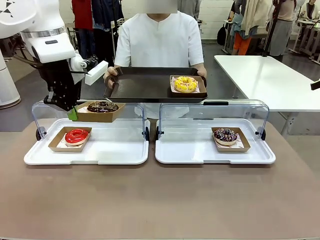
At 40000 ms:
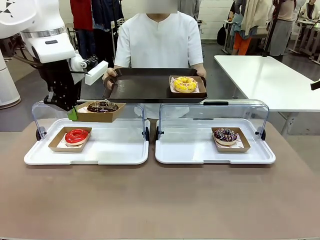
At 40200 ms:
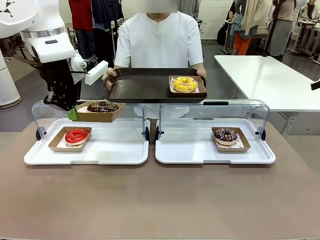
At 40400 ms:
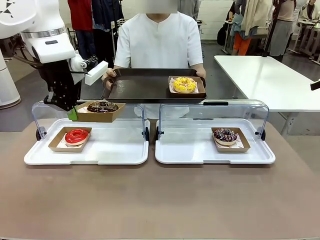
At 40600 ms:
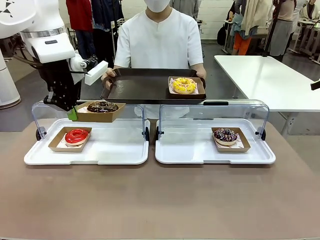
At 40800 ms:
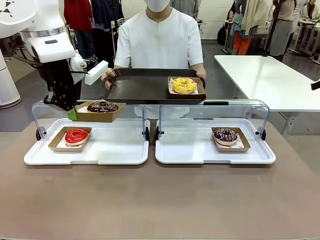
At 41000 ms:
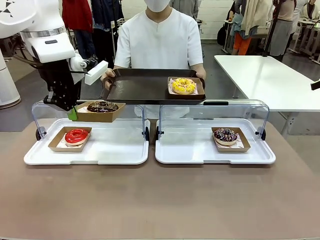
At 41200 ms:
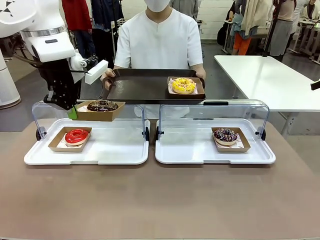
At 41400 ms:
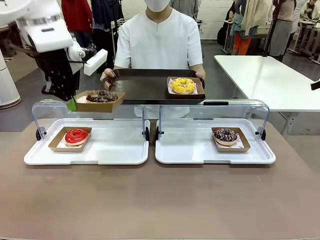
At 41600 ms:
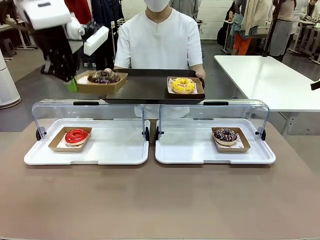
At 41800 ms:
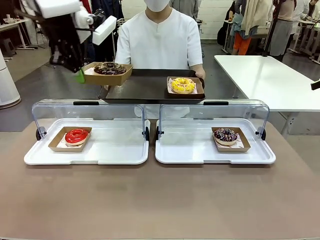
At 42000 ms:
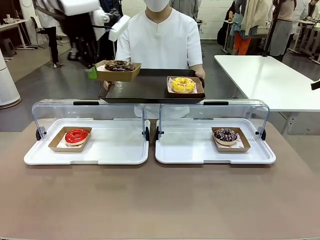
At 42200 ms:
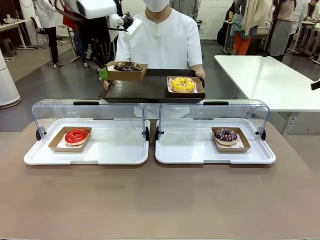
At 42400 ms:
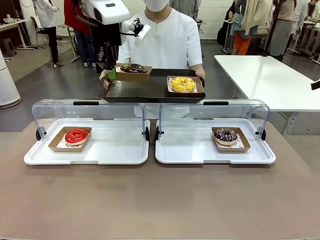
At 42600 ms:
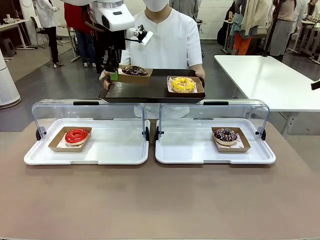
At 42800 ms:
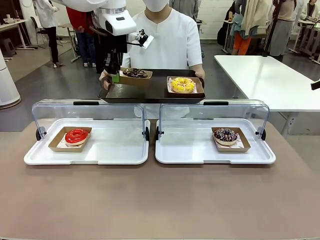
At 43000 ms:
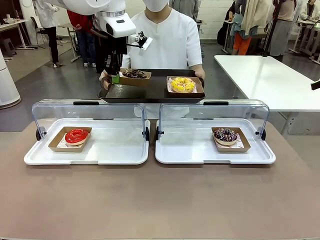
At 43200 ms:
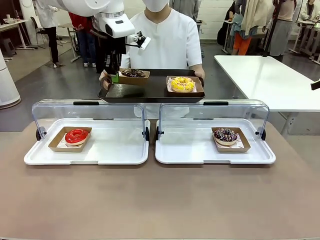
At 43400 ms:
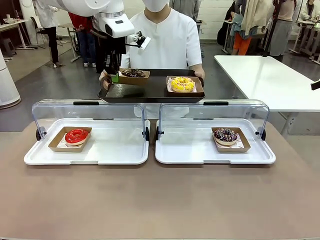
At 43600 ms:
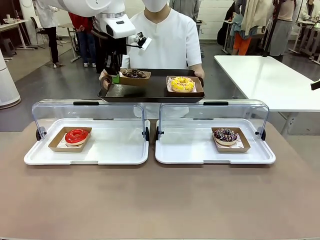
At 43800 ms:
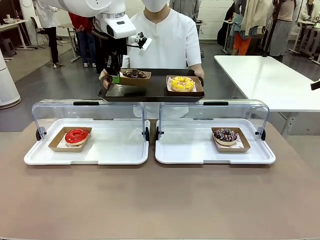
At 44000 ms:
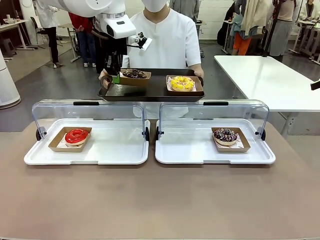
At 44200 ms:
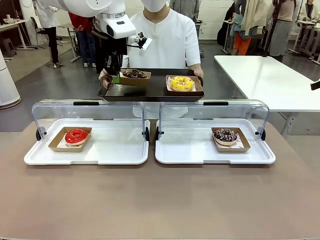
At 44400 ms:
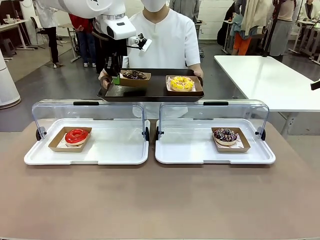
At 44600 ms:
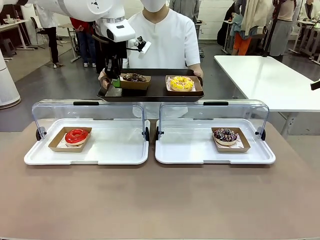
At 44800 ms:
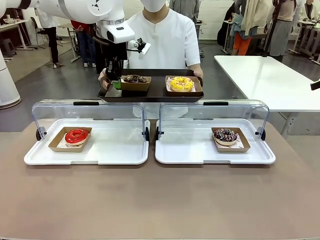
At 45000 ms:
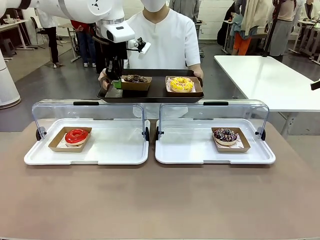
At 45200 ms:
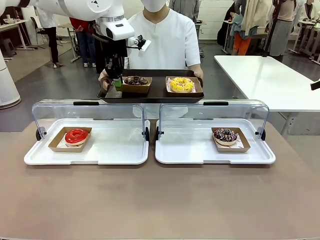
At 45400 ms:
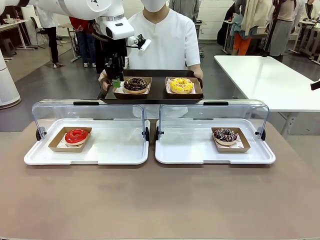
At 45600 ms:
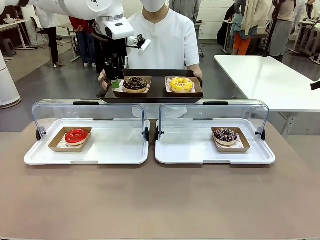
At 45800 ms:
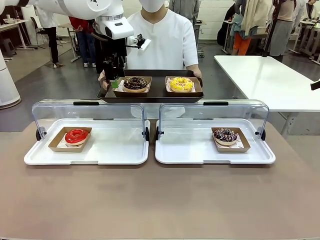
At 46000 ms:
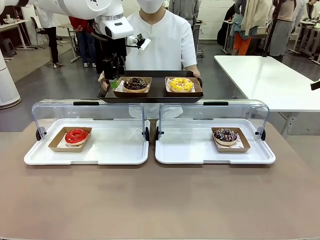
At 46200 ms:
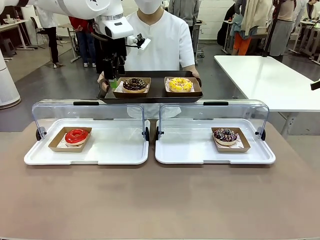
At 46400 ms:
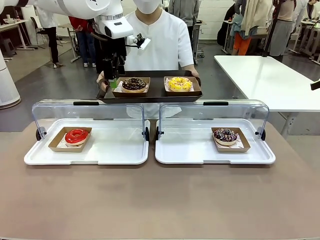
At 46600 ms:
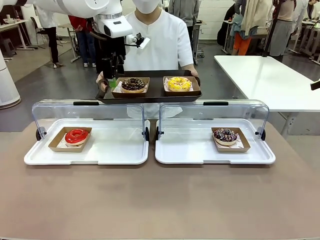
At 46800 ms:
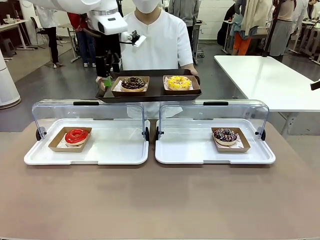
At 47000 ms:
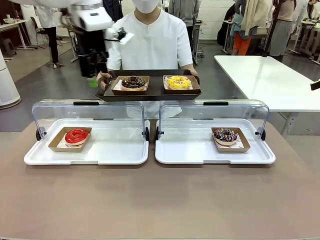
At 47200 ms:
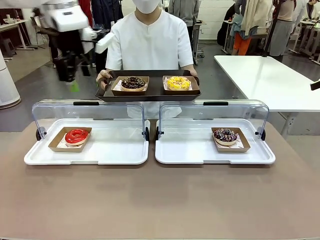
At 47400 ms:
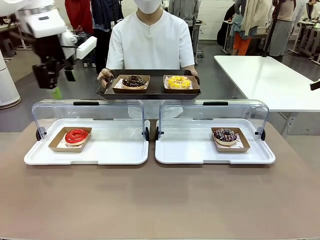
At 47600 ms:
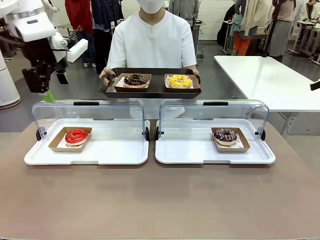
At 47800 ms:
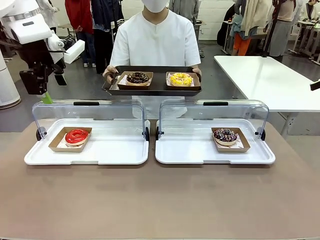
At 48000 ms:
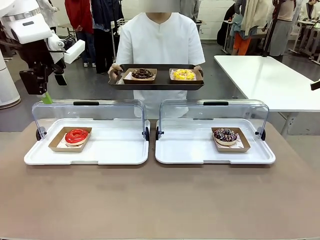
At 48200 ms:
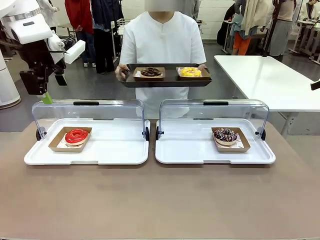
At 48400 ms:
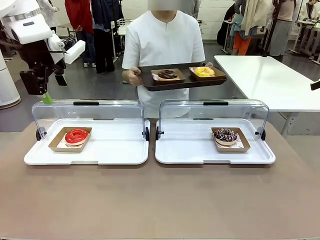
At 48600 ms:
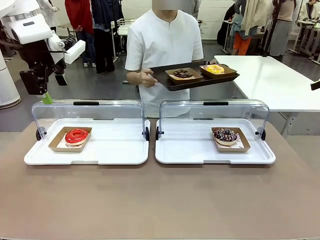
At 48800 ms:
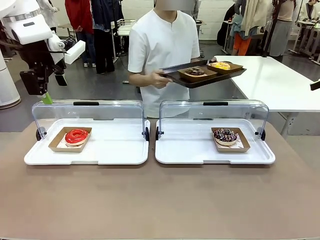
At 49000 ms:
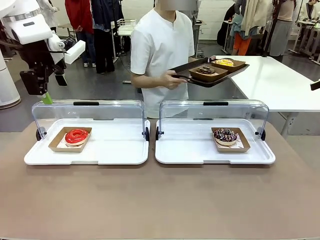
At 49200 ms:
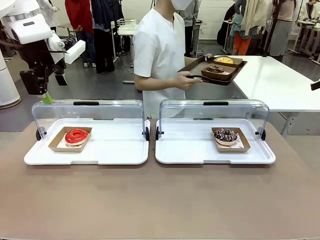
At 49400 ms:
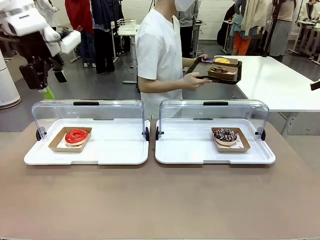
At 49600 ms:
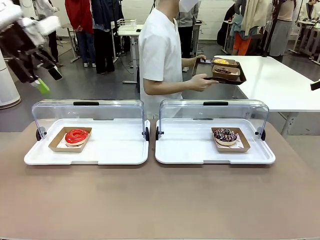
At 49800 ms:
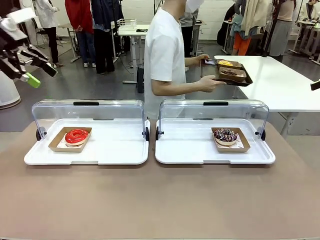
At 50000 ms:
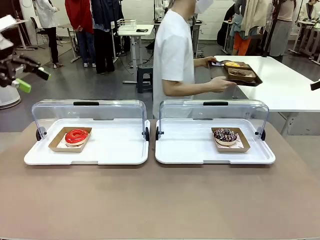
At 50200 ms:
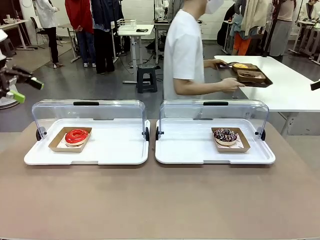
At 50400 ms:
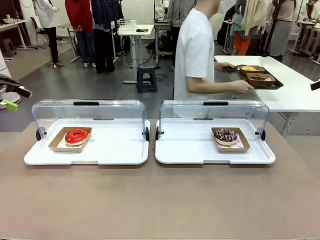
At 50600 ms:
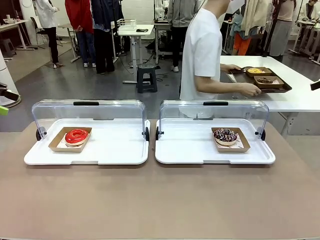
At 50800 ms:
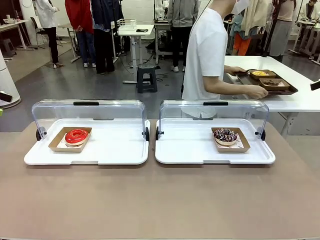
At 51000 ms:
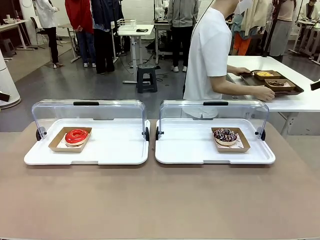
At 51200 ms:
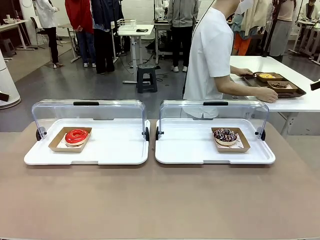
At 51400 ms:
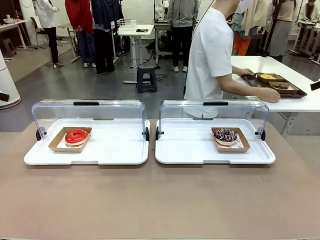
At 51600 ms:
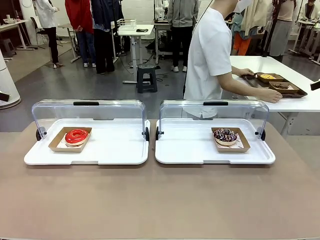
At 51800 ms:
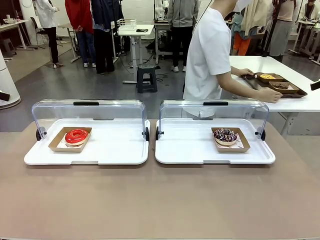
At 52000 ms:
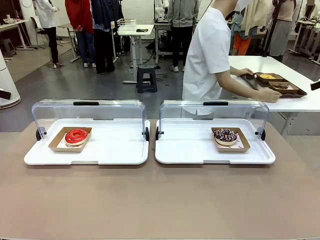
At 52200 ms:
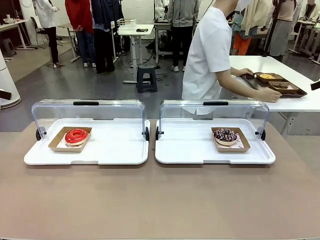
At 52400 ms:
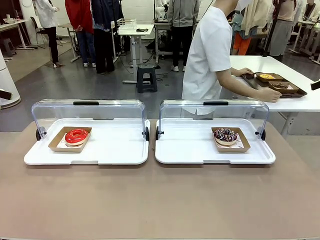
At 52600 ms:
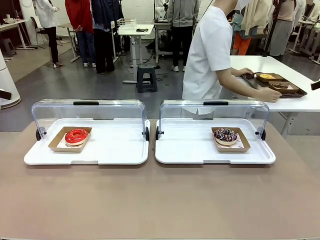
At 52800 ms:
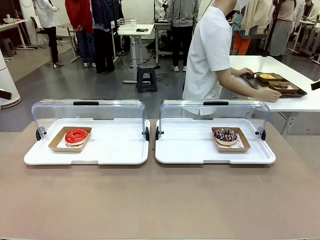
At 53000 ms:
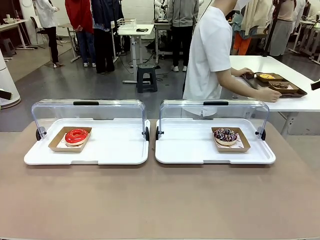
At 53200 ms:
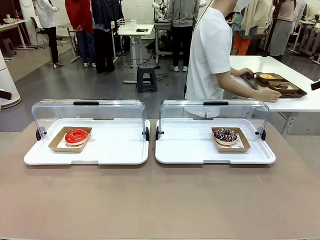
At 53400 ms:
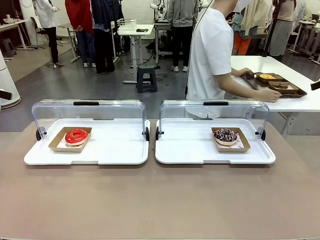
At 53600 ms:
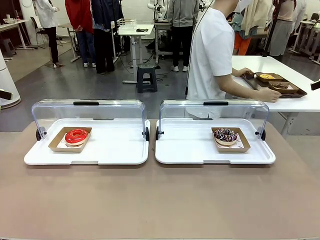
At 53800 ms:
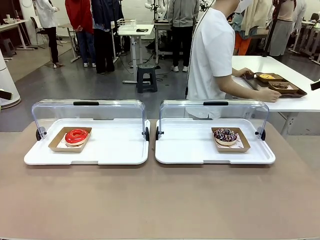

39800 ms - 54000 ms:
Task: Provide the desired donut to the person.
Robot: Place the picked Paper togo box onto the Handle tray extended by the person.
Person: Place the tray in the middle of the human table.

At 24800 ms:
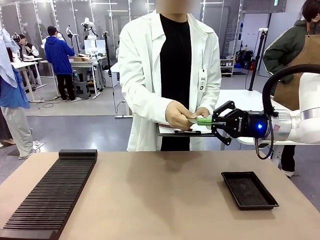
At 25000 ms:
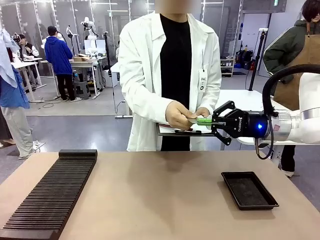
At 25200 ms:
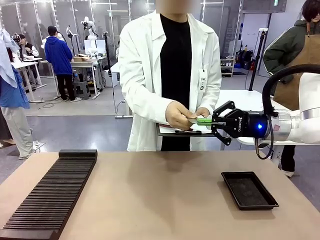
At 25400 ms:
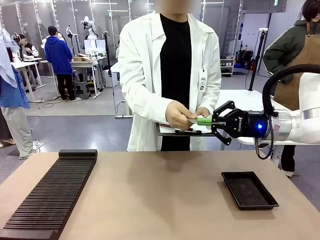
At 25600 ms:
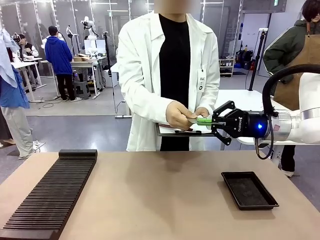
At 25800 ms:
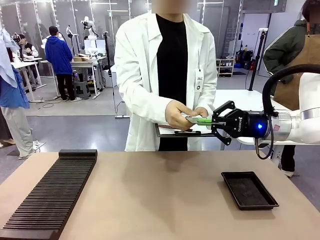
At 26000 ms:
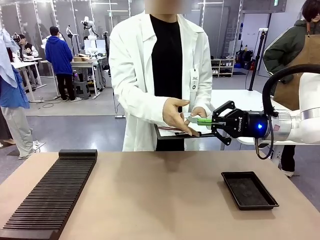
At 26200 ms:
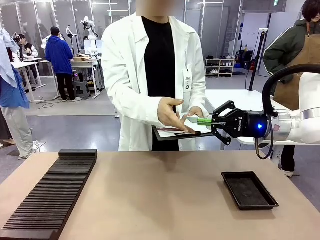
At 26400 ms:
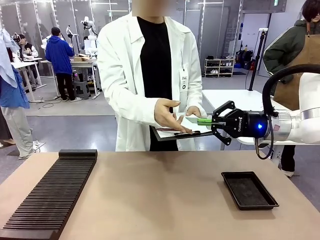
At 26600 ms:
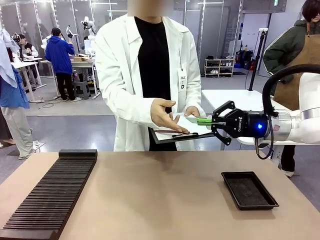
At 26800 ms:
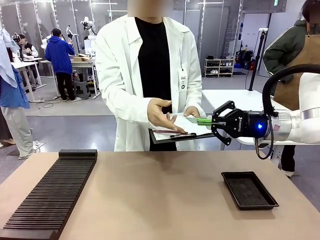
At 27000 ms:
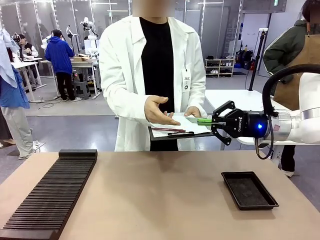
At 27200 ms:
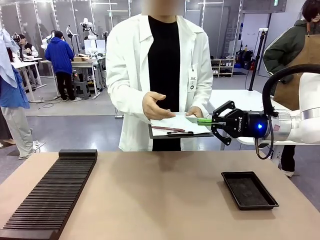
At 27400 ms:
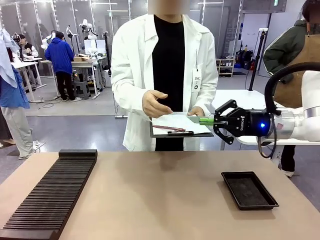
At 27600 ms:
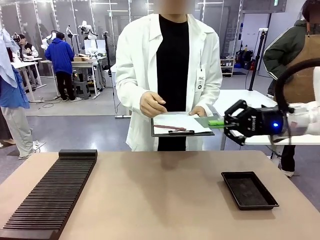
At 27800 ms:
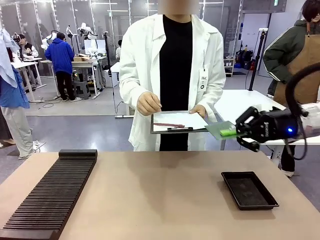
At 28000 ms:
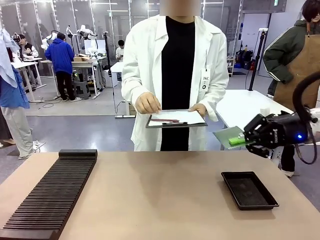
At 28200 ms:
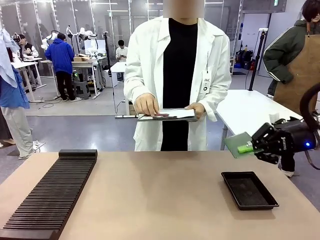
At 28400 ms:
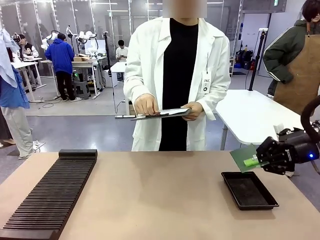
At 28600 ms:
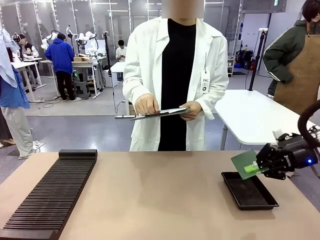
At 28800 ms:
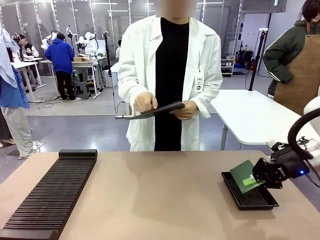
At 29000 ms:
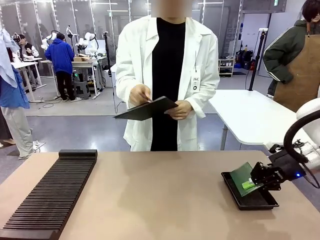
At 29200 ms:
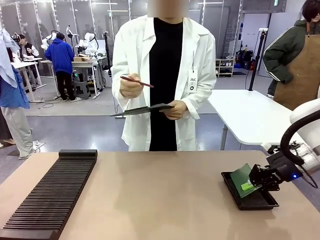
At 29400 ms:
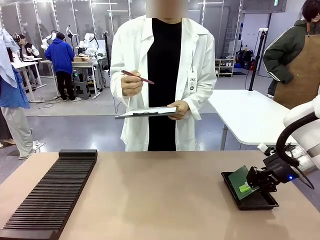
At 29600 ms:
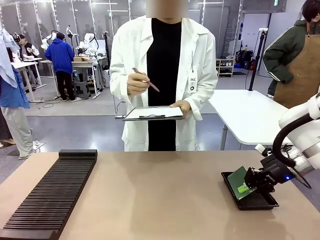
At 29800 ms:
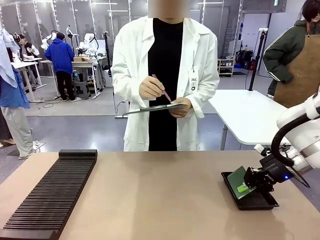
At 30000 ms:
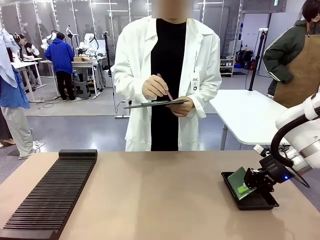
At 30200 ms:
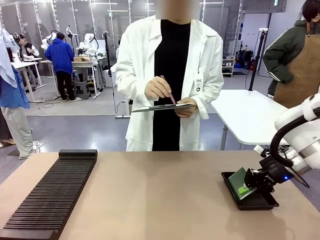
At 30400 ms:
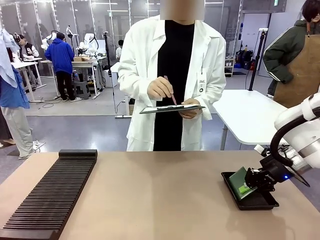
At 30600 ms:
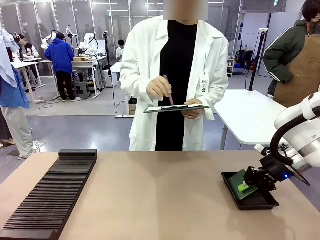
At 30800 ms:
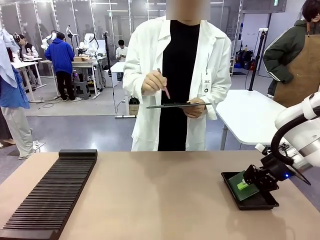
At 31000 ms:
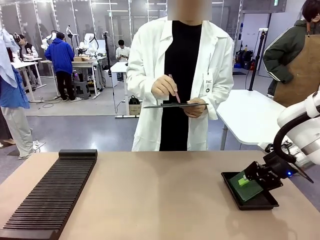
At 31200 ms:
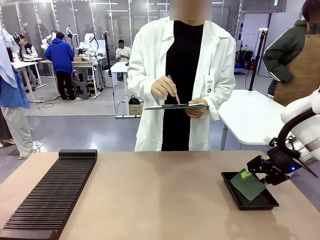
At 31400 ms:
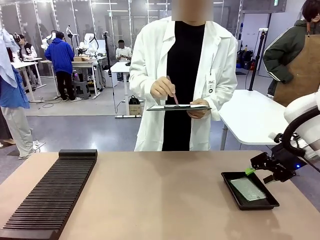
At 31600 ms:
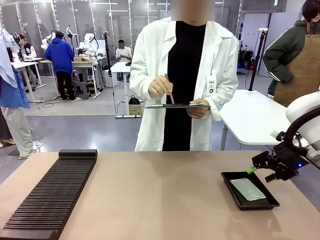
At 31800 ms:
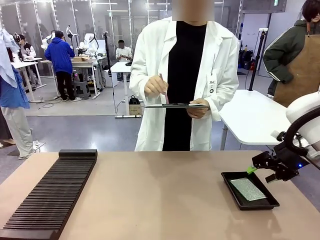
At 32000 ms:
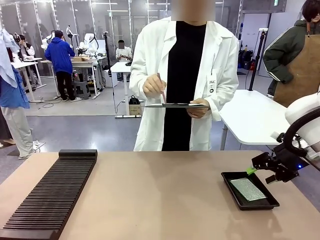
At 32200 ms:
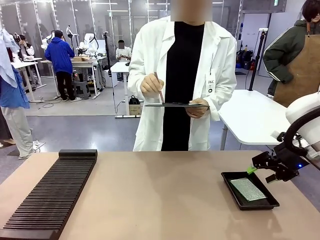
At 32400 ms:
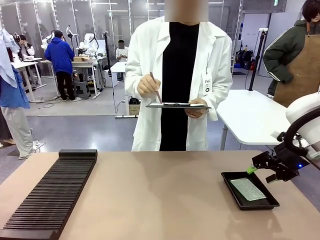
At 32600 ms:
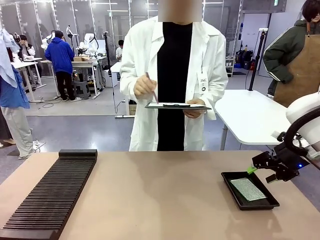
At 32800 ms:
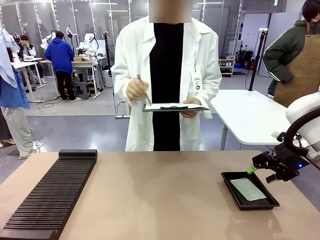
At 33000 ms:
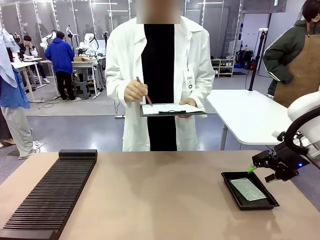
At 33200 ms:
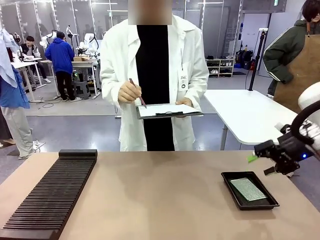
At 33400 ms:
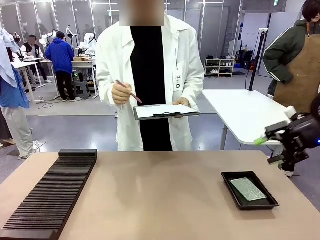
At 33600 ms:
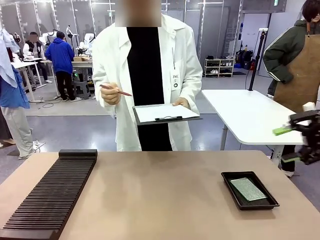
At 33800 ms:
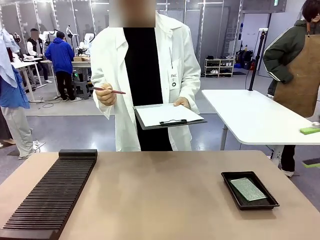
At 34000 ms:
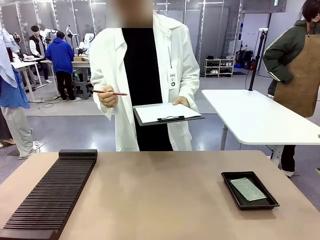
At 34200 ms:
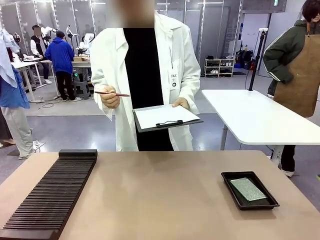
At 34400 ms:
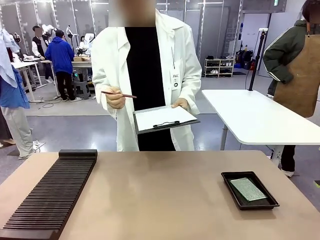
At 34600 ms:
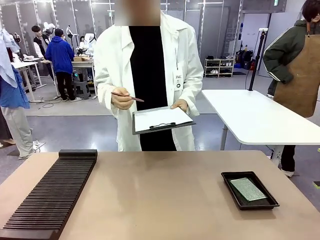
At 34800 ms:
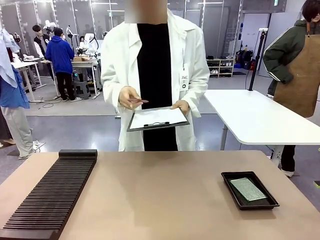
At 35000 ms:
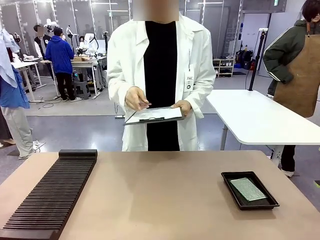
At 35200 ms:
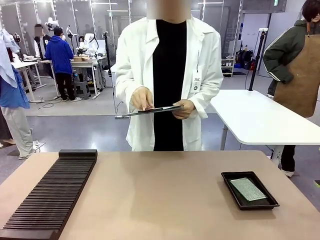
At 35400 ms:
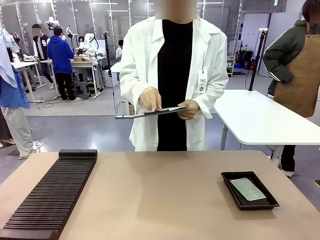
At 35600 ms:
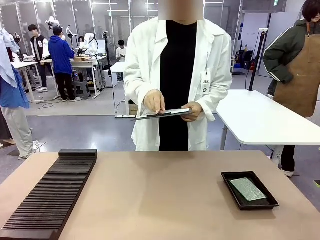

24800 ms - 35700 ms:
Task: Inspect the PCB.
Robot: Place the Blank PCB in the ESD tray.
Person: Record the PCB status on the paper.
